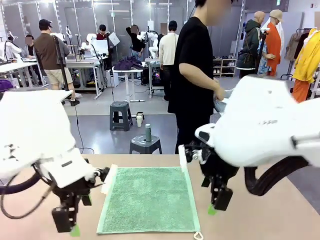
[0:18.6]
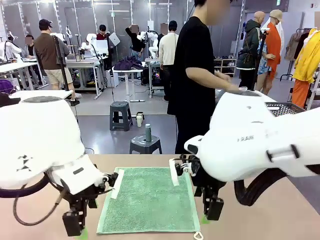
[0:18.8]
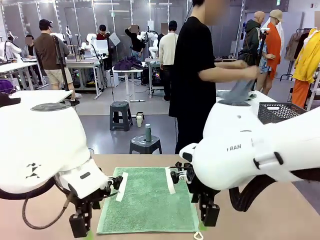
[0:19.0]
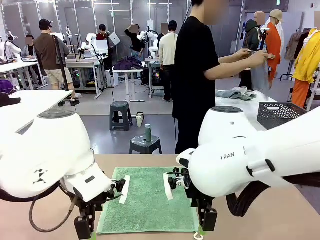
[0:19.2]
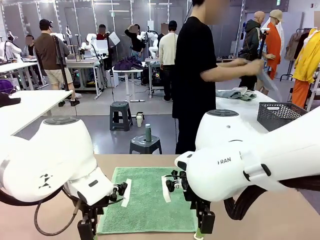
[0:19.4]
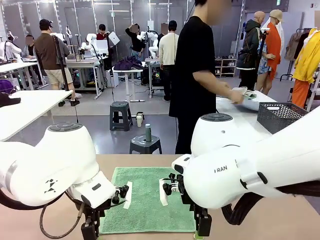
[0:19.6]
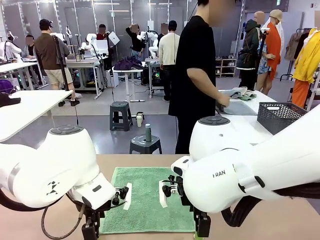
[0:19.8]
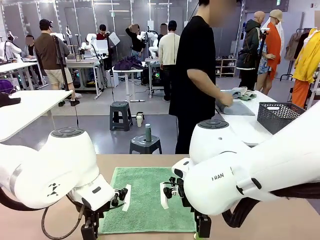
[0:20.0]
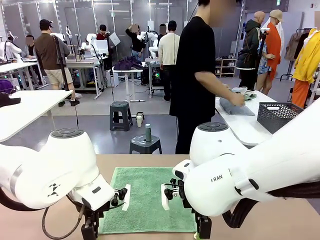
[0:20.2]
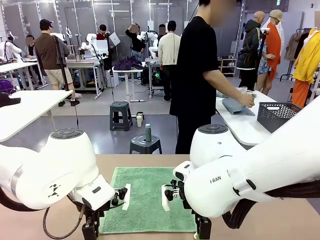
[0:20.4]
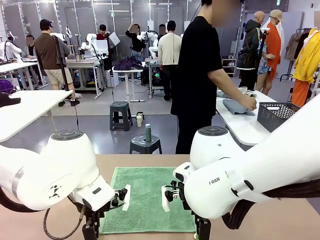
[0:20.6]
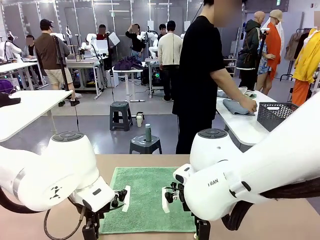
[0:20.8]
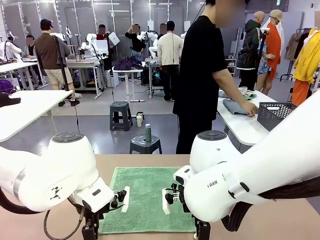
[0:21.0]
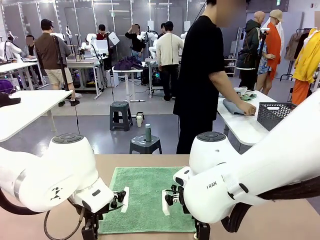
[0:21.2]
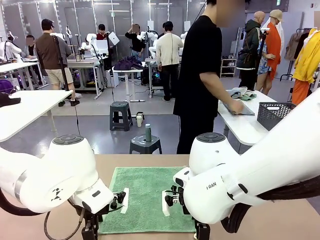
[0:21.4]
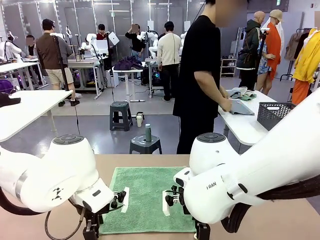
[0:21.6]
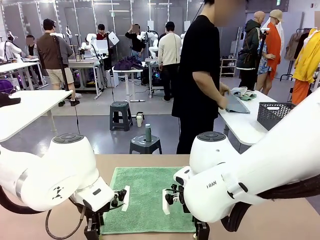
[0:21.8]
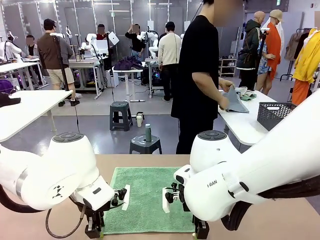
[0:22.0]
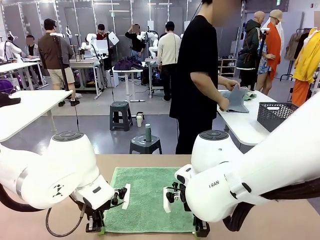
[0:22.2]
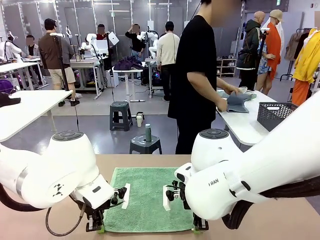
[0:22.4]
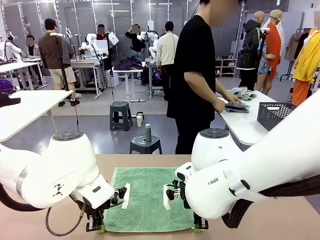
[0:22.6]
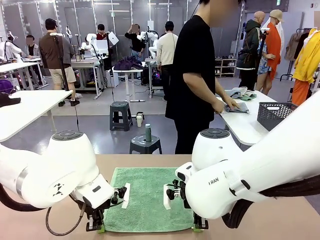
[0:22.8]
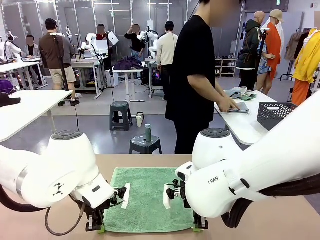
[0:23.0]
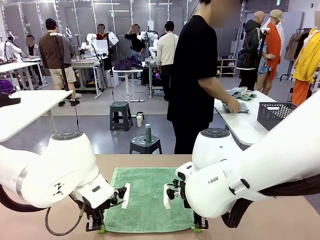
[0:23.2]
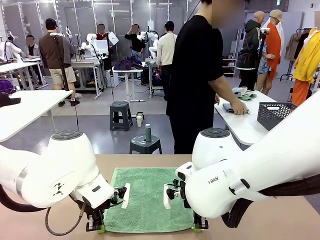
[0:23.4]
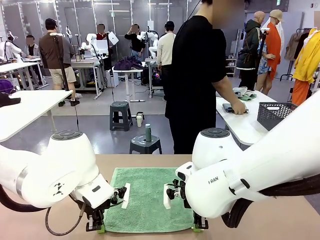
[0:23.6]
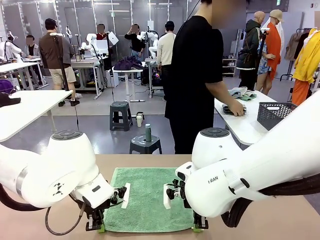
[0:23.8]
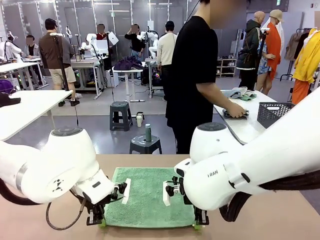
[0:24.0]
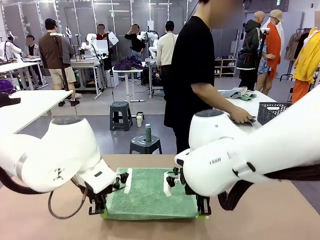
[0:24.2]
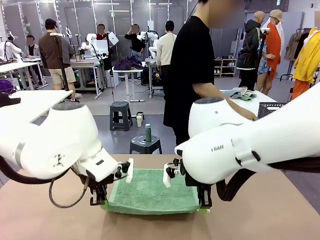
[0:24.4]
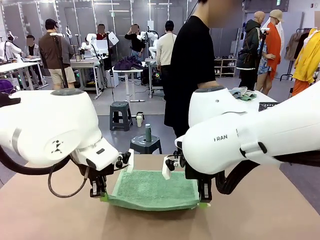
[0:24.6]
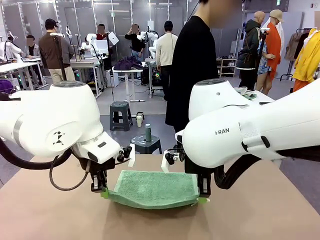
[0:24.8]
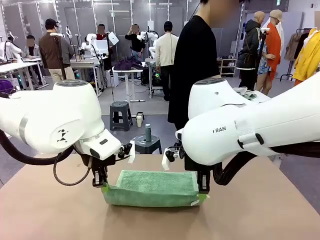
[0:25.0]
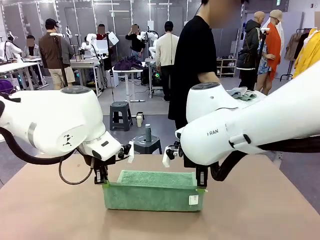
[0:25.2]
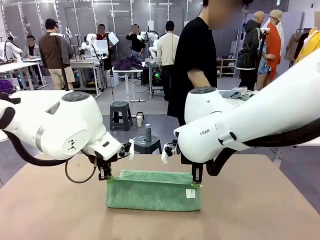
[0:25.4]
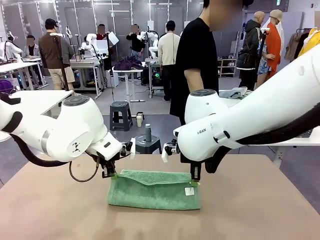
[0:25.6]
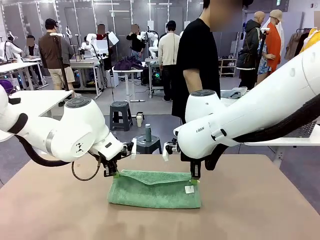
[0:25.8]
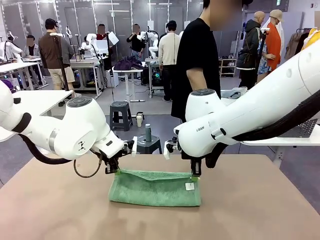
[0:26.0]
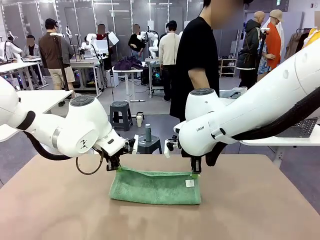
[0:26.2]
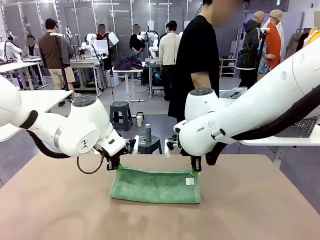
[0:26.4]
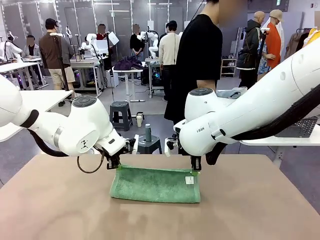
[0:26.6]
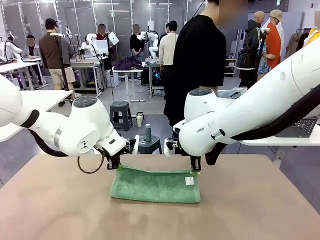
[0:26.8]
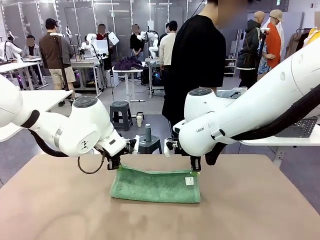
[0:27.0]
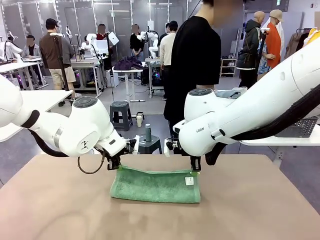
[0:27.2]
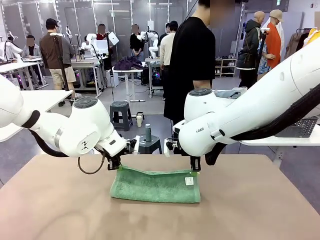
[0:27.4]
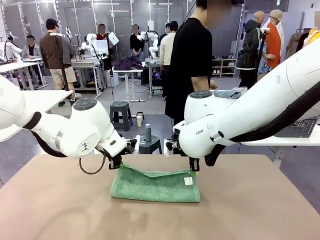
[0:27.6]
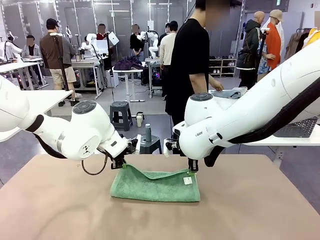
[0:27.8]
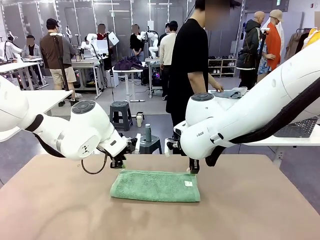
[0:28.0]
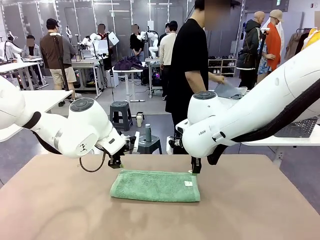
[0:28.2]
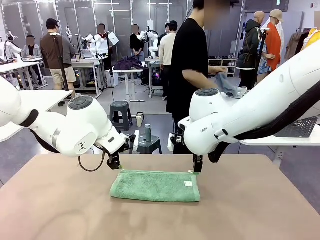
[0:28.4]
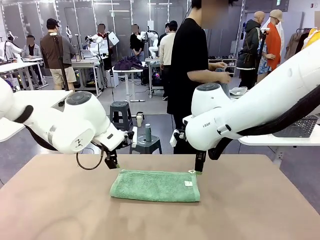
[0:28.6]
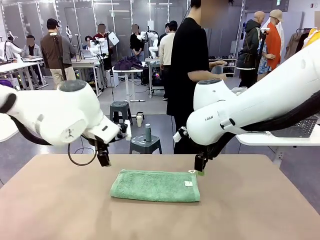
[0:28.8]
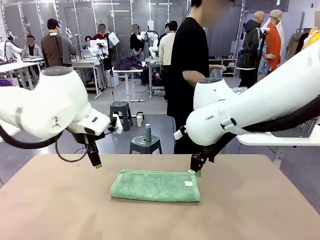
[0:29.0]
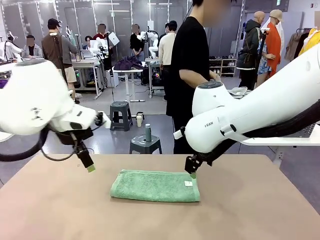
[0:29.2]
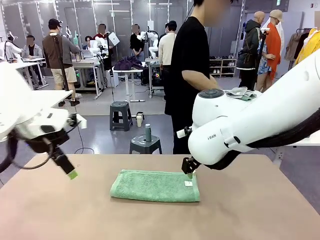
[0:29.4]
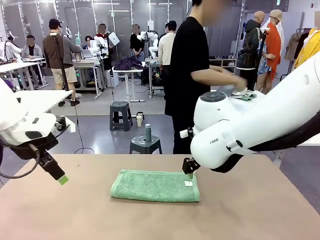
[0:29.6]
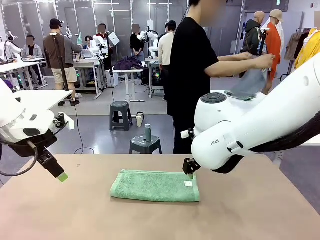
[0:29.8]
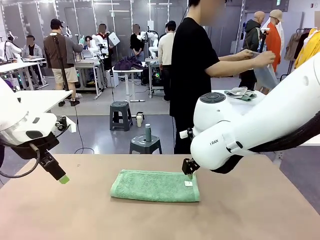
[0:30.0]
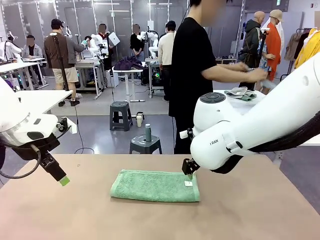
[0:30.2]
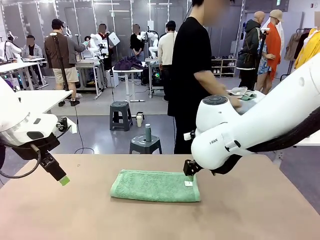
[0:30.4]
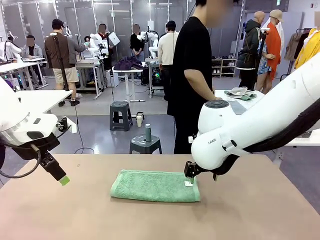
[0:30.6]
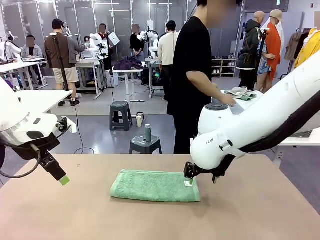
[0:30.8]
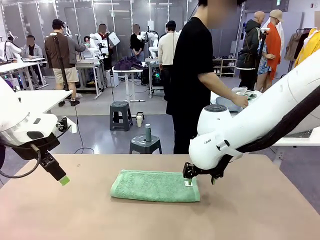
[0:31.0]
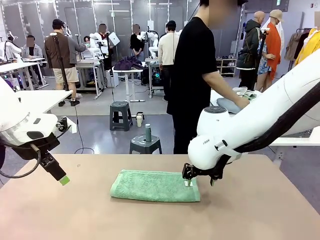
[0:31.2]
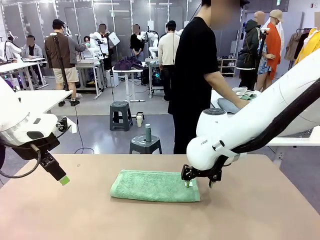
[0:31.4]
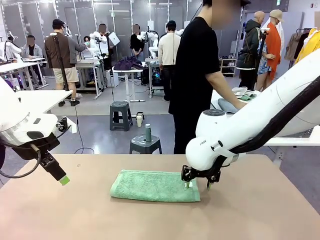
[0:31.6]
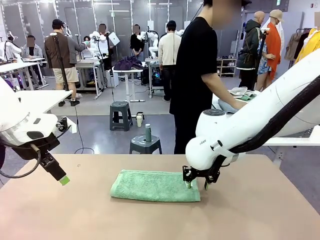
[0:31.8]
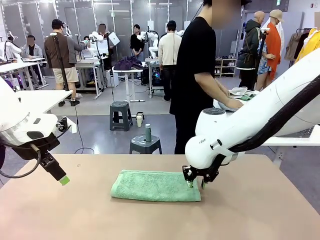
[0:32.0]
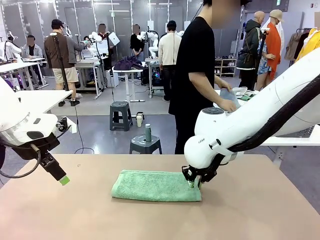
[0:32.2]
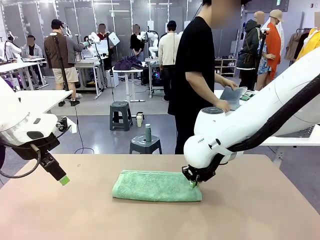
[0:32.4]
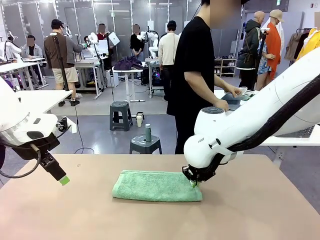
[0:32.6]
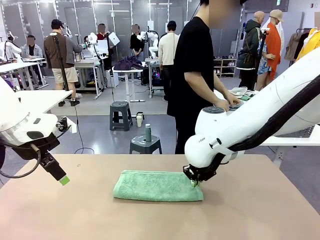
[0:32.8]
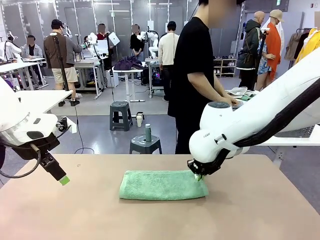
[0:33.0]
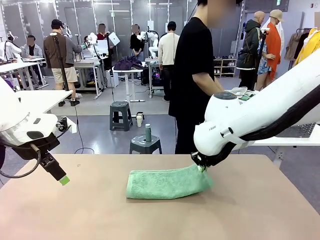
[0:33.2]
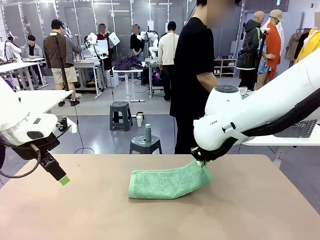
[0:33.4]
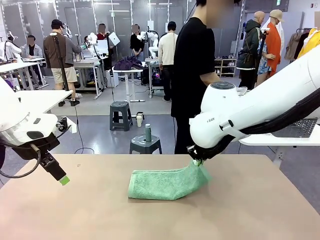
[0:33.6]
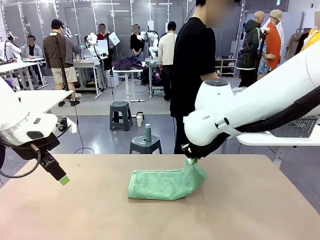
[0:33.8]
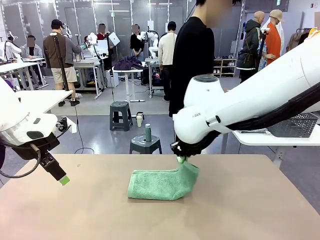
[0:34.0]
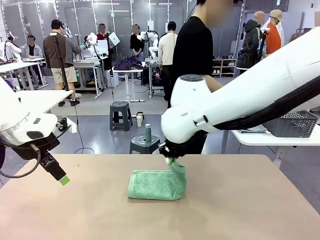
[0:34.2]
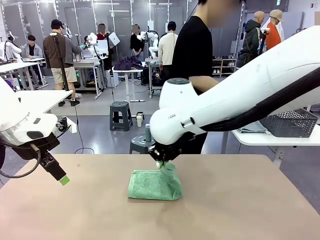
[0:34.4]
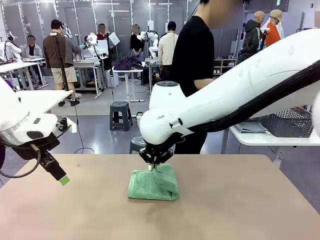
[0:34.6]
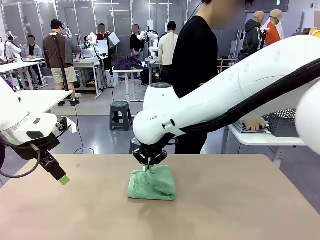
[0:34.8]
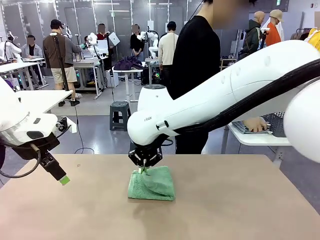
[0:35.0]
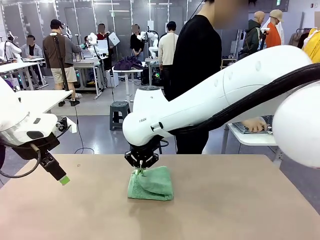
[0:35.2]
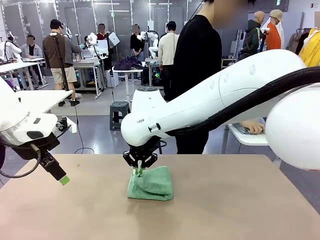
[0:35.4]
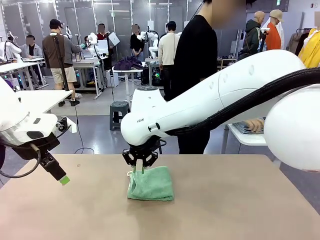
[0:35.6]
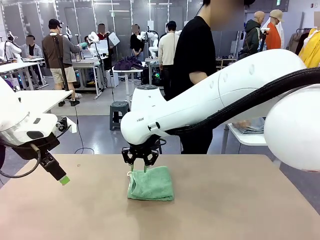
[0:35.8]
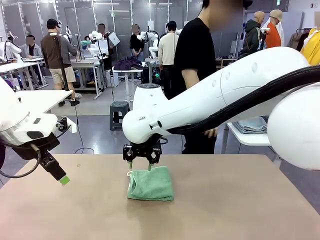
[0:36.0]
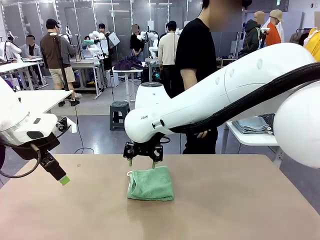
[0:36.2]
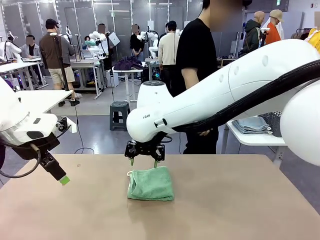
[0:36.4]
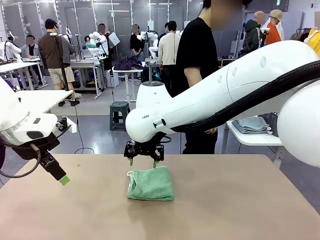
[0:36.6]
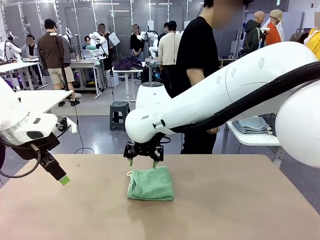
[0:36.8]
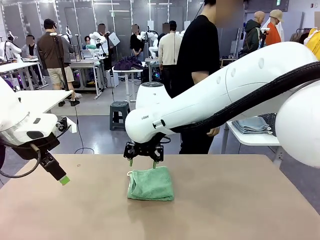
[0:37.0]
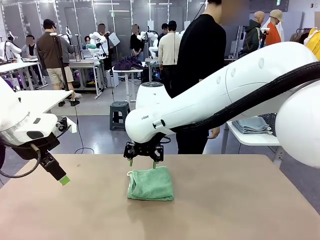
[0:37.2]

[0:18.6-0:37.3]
Task: Fold the towels and place them in the basket.
Robot: When a person lays out a Towel with hook on the table, fold it in half twice.
Person: Pick up one towel from the left side of the human table, fold it in half twice, and place it on the right side of the table. Pick up one towel from the left side of the human table, fold it in half twice, and stack it on the right side of the table.
